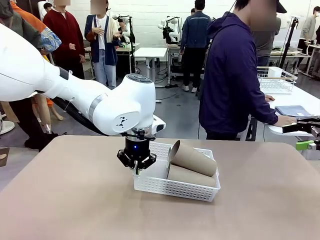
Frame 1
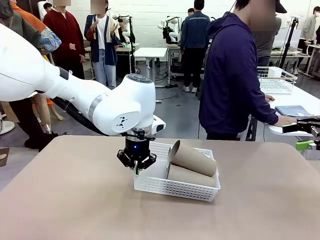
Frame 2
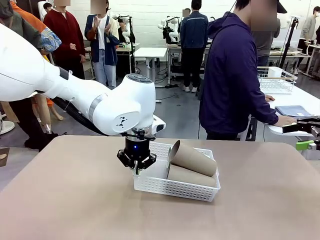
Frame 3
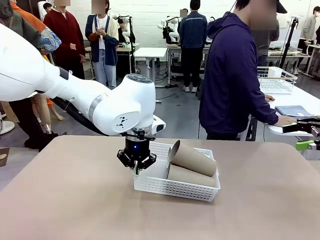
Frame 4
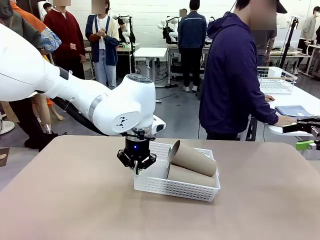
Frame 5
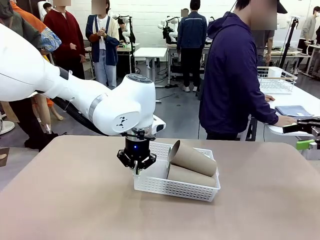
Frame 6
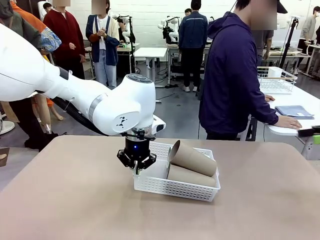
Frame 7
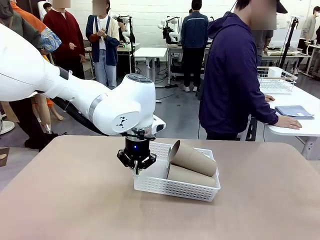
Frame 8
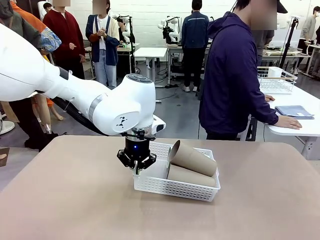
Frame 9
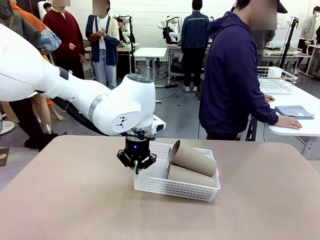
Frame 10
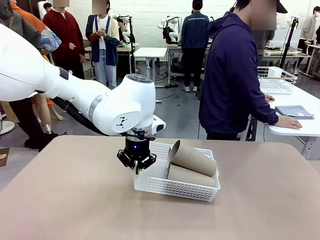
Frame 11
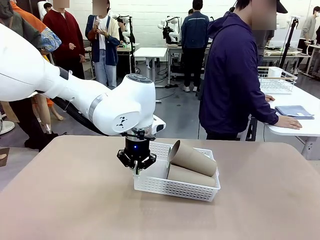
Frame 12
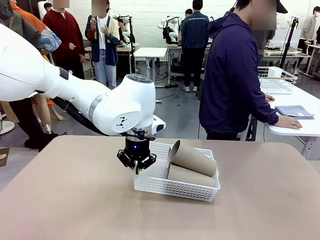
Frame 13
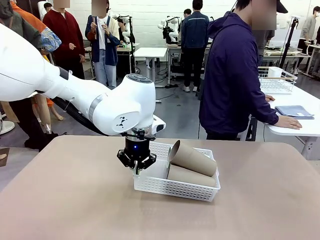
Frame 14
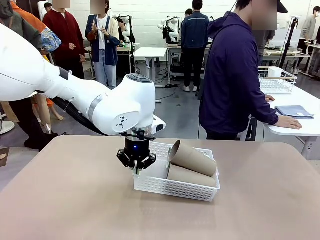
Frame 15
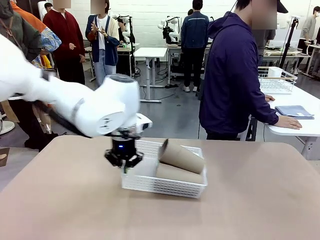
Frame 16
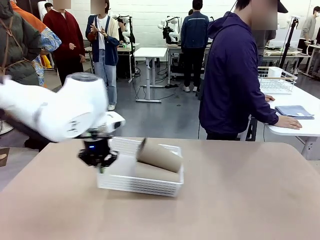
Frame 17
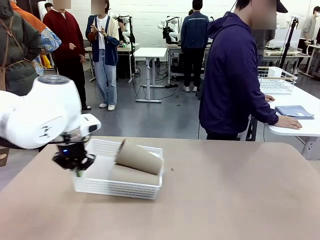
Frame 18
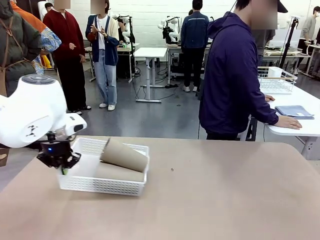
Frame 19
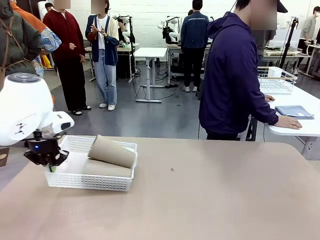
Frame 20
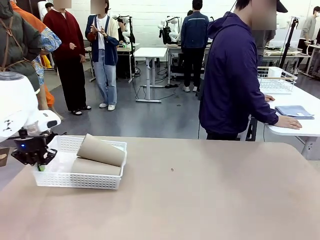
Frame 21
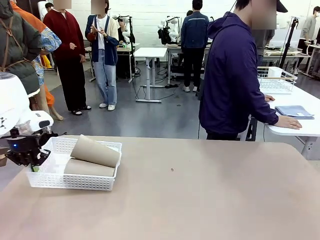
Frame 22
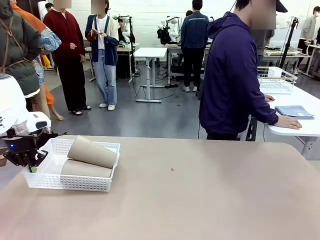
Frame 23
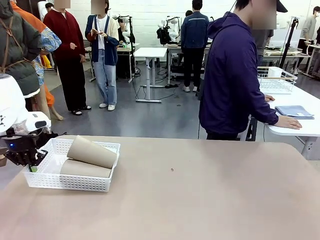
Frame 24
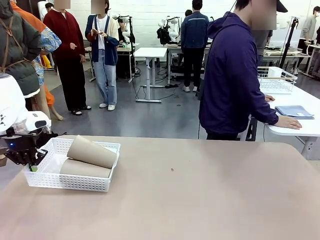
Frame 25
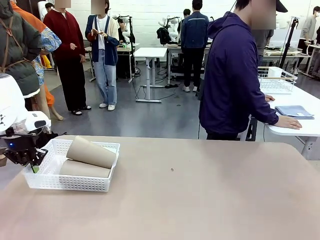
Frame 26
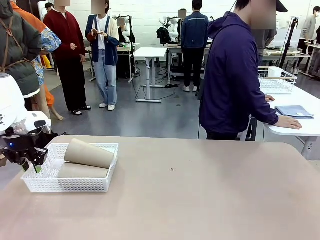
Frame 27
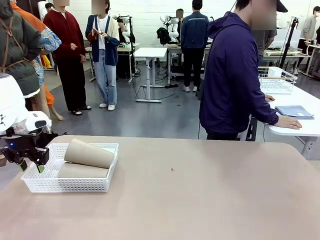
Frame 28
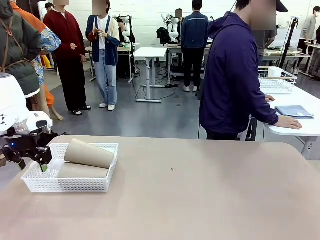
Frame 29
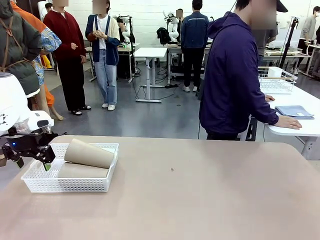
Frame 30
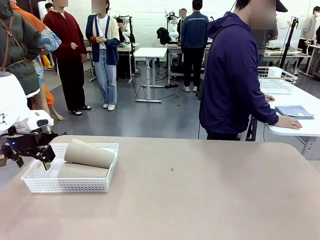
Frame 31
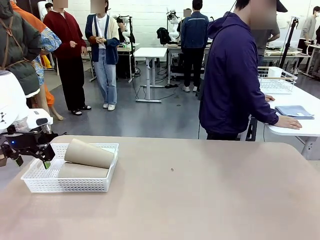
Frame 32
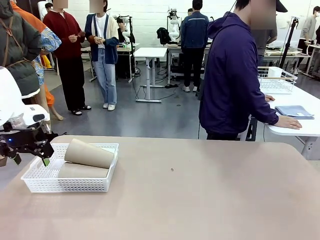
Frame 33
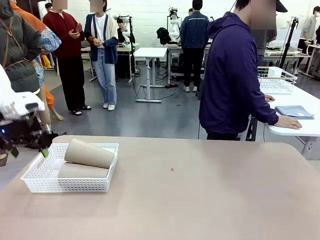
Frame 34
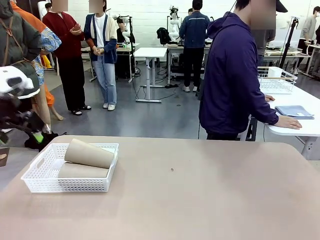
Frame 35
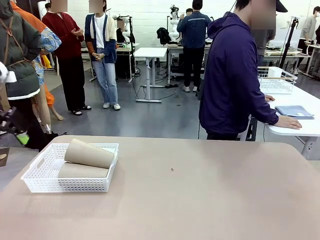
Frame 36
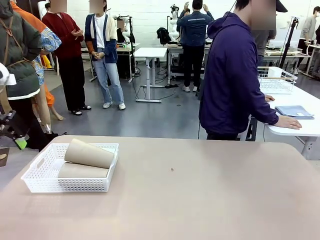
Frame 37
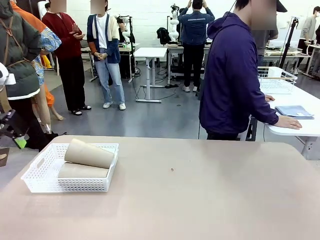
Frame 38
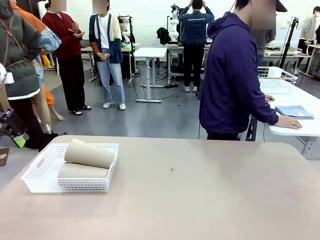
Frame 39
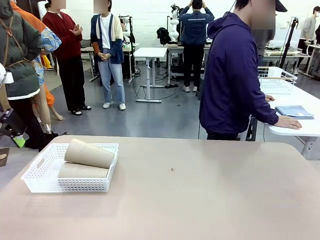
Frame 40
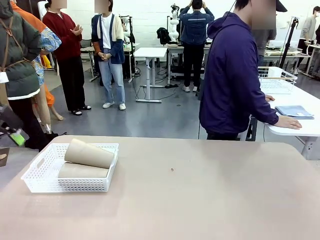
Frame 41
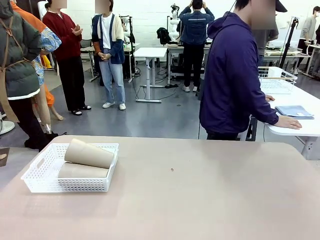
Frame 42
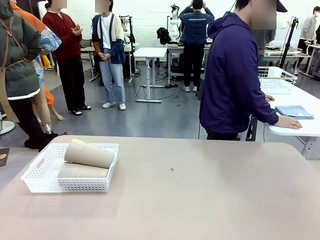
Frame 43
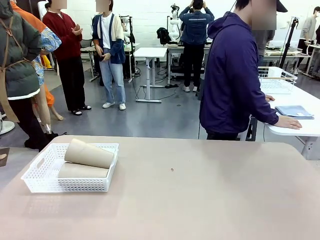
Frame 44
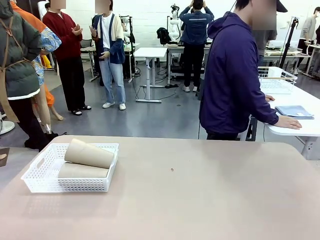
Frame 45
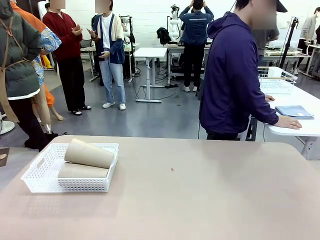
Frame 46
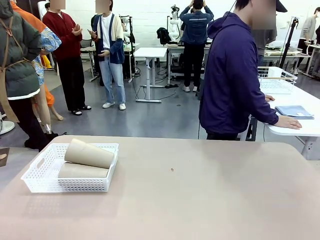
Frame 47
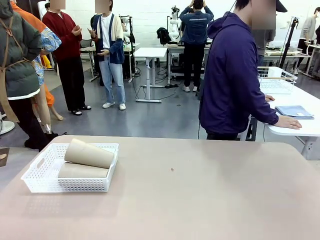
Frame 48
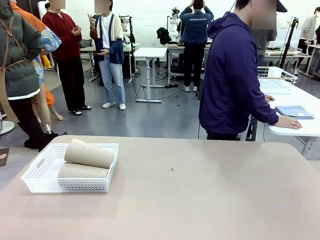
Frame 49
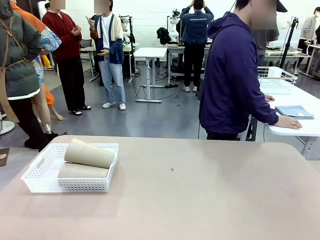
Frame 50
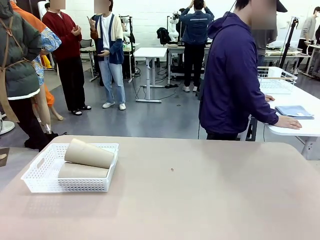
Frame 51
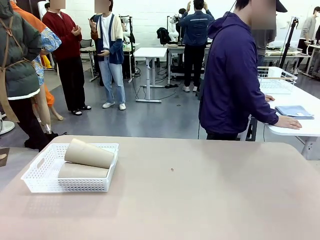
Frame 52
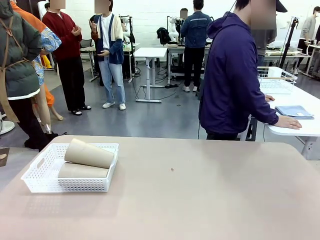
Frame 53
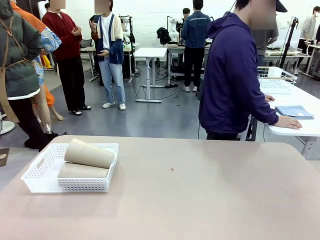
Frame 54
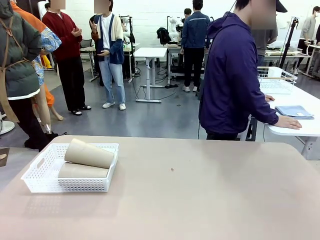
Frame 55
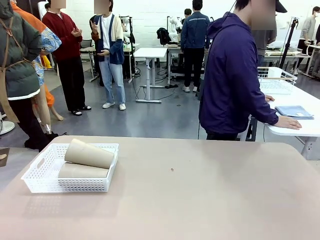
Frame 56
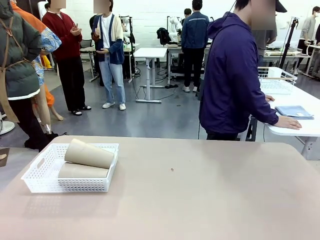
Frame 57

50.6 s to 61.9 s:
Task: Clean and organize the cups into the basket.
Robot: Move the Organizing basket back to the left side of the table.
Person: Folds the towel in half twice and places it in the right of the table.

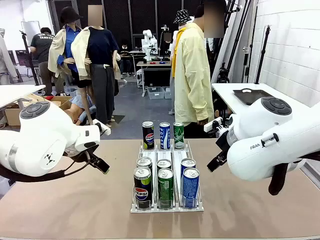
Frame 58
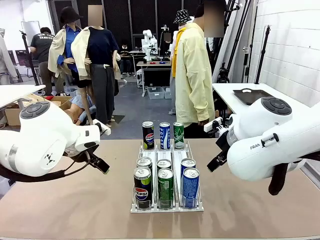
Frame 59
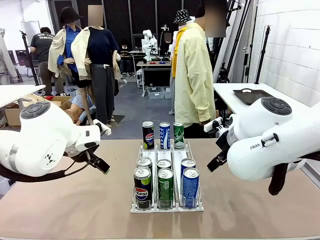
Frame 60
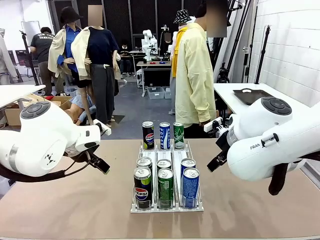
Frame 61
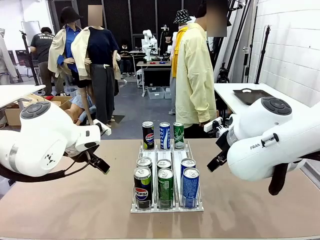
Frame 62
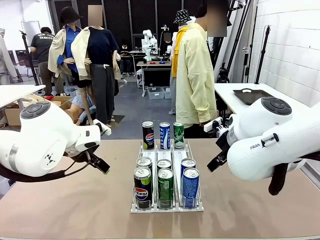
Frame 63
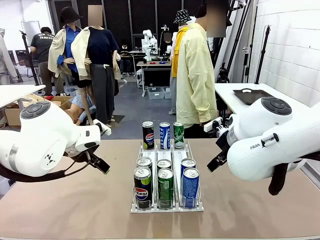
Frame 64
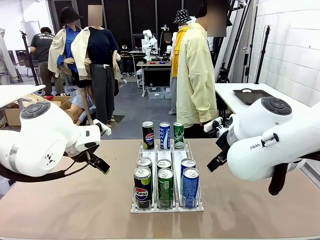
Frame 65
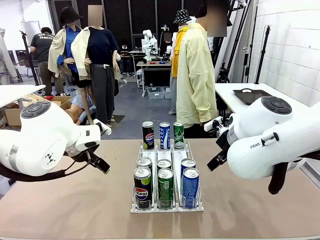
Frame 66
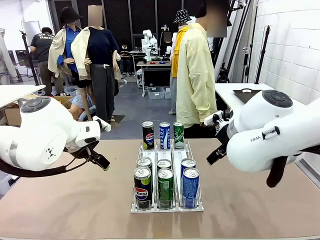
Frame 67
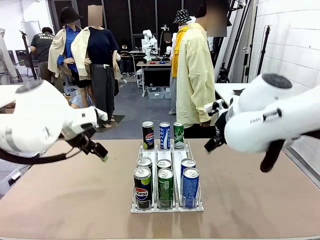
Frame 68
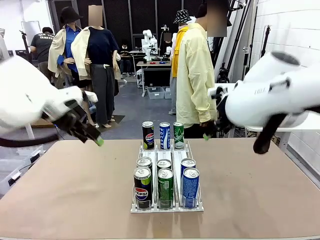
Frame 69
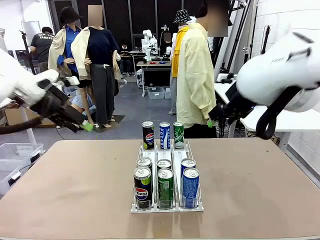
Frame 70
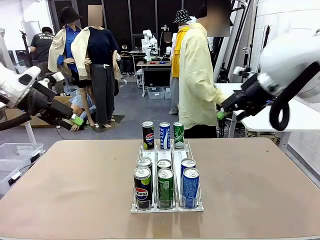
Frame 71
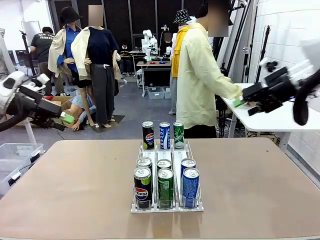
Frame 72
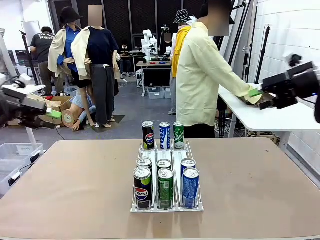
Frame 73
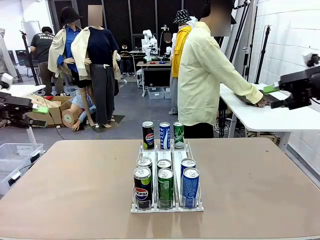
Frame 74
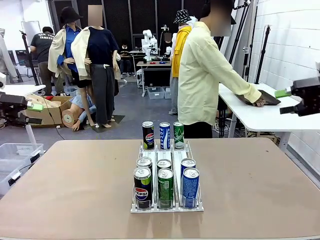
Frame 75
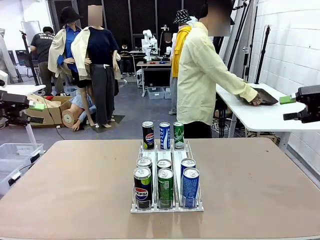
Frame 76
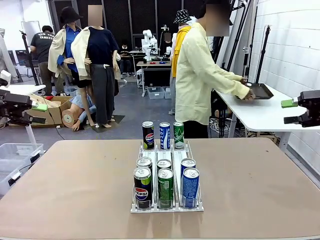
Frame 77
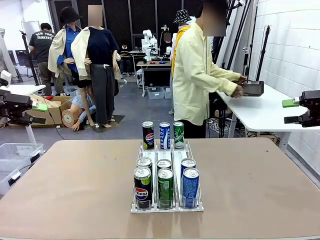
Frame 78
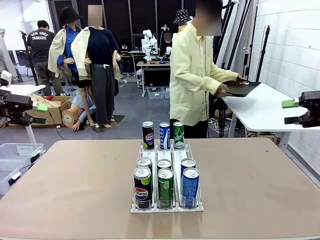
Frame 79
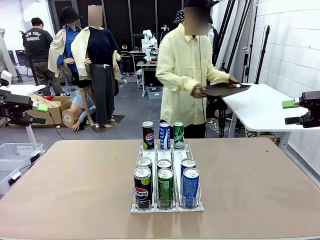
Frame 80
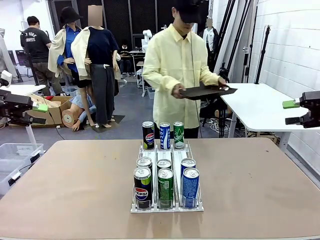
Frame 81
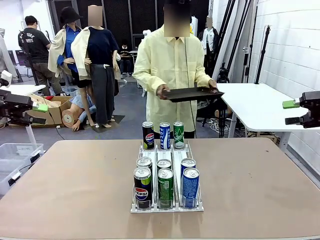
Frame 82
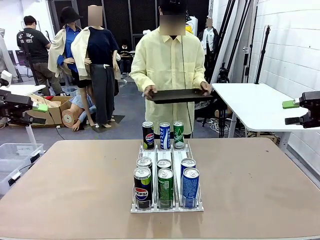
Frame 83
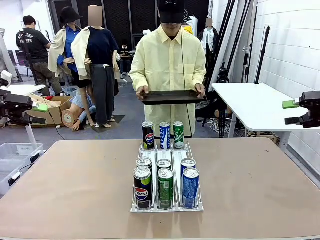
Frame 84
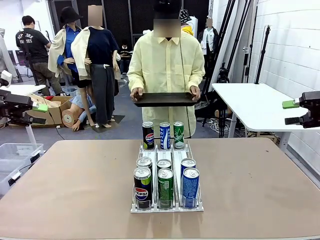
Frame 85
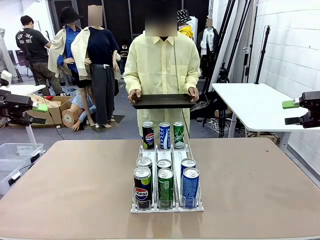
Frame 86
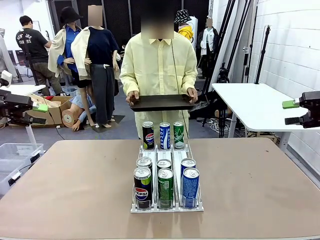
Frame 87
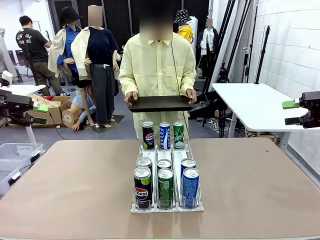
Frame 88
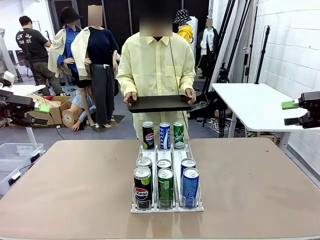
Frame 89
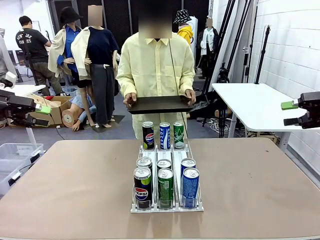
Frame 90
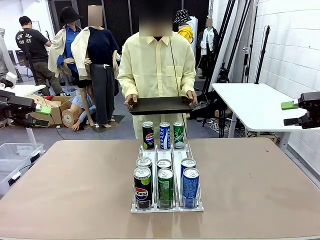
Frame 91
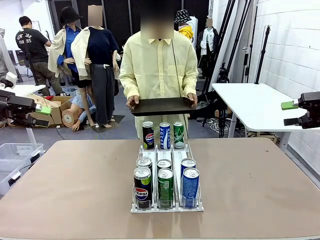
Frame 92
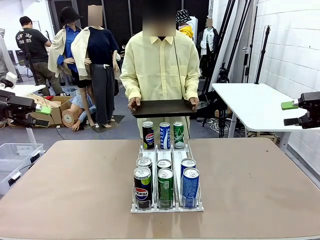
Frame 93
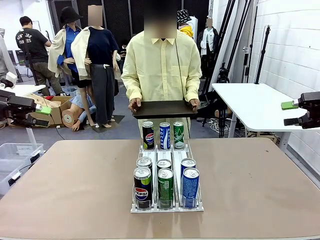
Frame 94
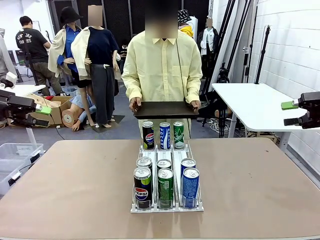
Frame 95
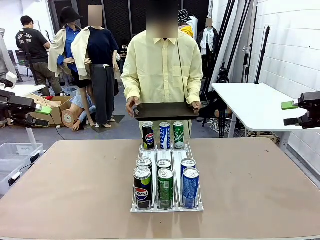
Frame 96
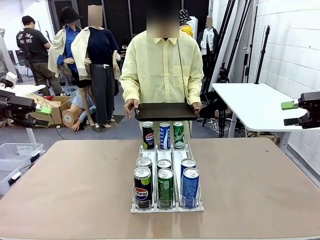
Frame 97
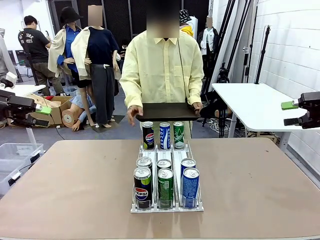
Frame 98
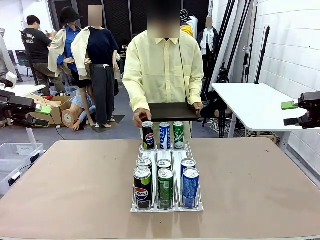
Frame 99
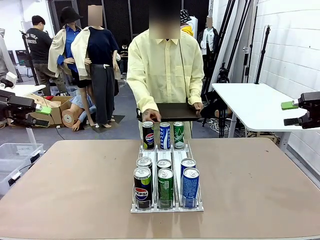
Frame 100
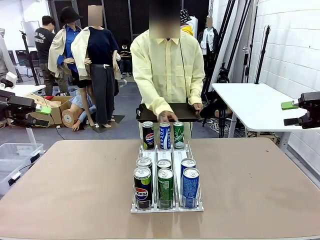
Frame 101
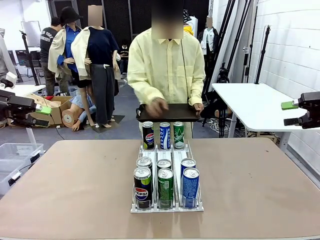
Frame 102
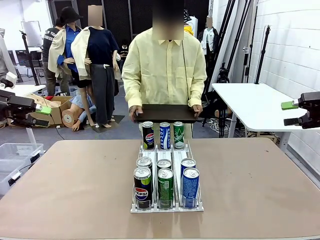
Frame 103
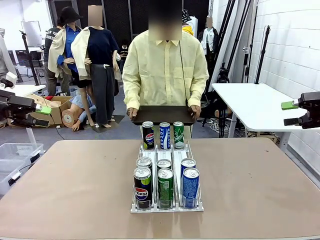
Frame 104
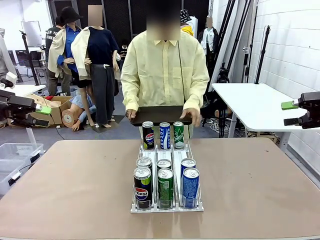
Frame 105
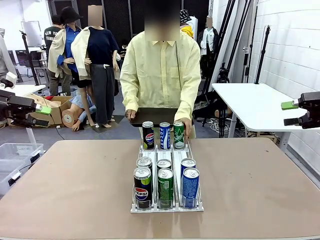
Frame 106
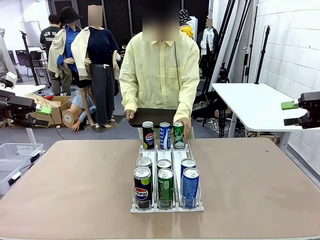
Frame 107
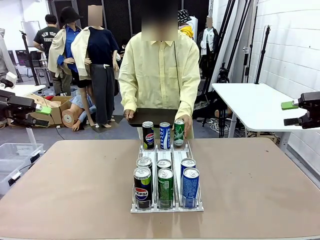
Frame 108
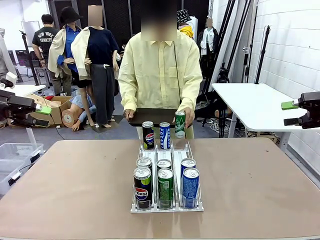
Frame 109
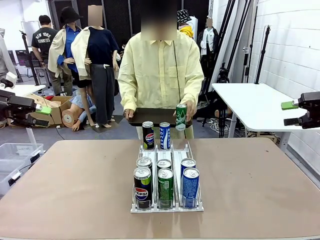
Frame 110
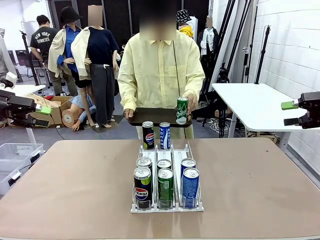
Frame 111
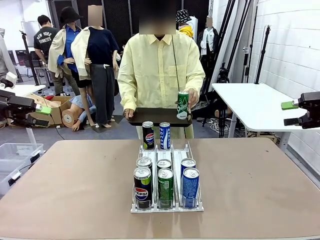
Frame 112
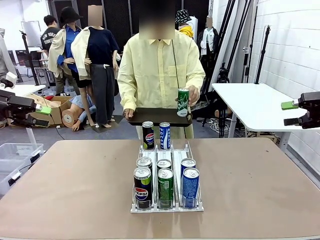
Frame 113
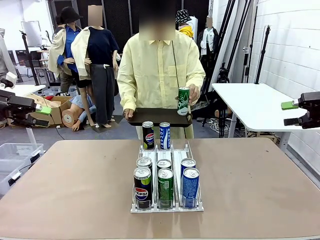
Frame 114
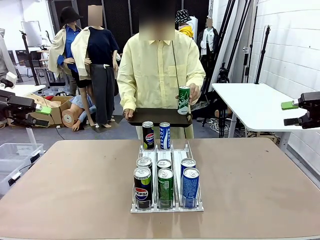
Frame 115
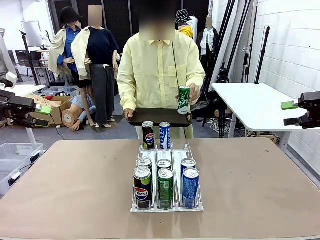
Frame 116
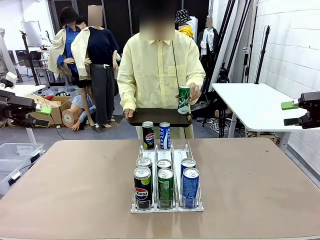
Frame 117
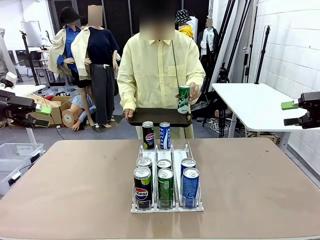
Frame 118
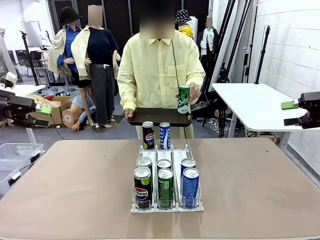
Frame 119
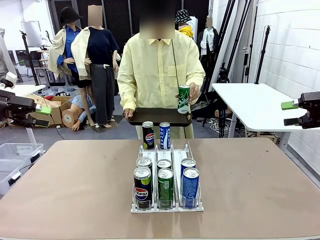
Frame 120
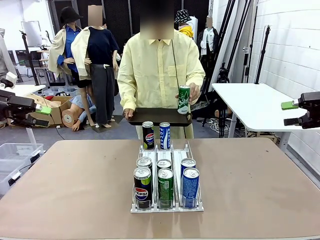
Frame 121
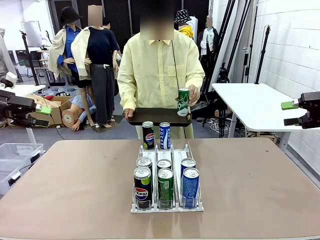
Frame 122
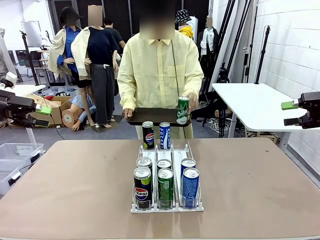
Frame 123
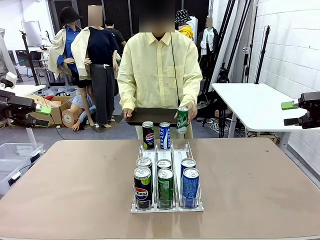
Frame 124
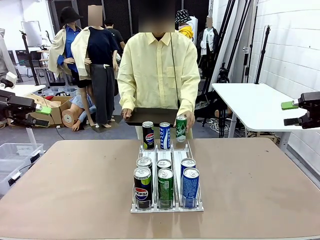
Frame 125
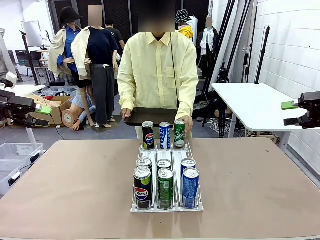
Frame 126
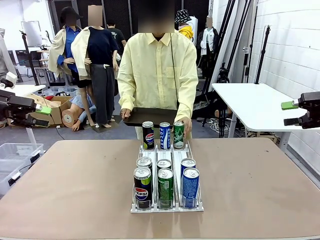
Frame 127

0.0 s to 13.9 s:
Task: Retrieve and hand over the desired beverage to the person.
Robot: Pick up a can of the same type that the person held from the Automatic Can Dispenser.
Person: Hold the tray and position yourself in front of the robot table. Pick up one can from the bottom area of the table and puts it back in its original place.
